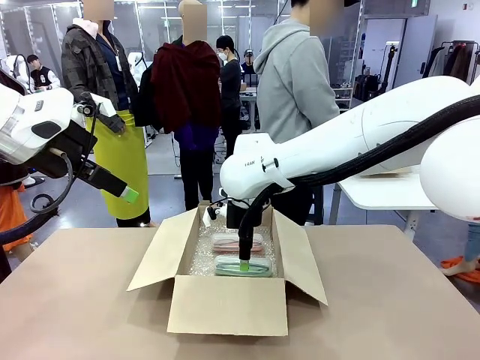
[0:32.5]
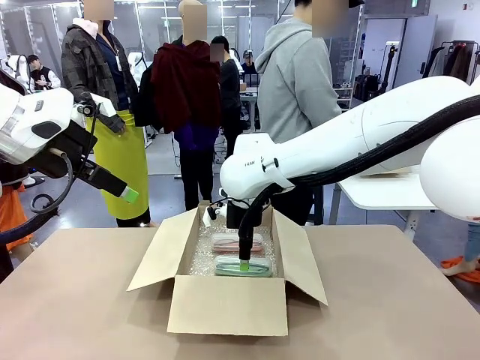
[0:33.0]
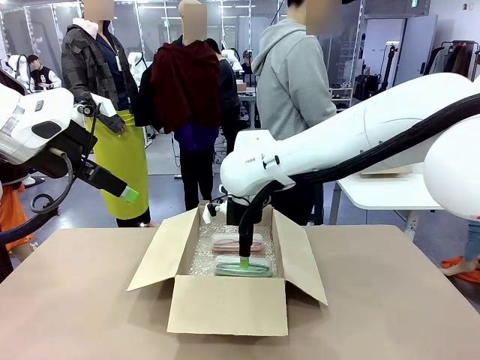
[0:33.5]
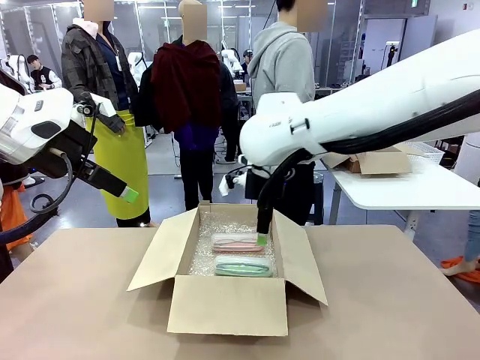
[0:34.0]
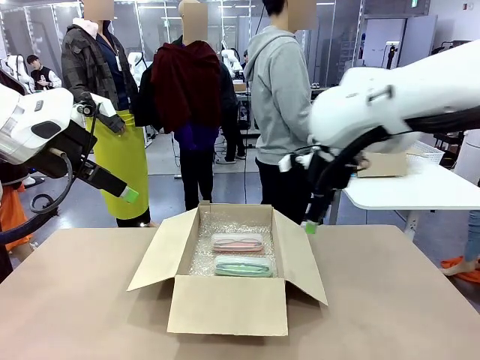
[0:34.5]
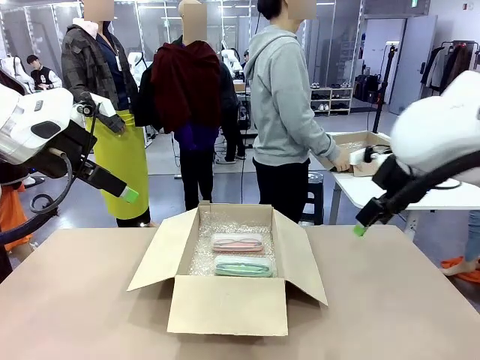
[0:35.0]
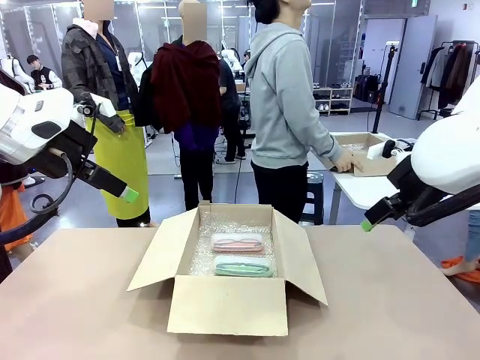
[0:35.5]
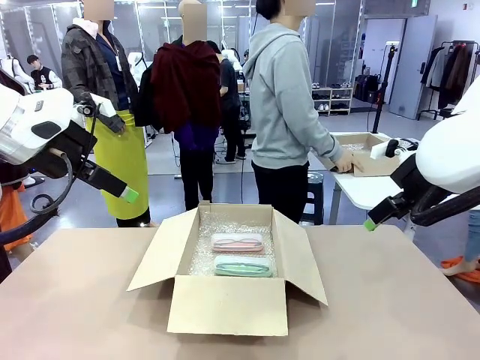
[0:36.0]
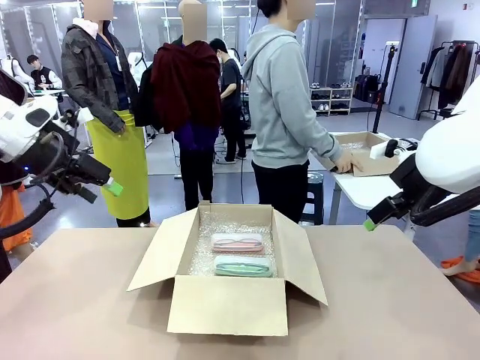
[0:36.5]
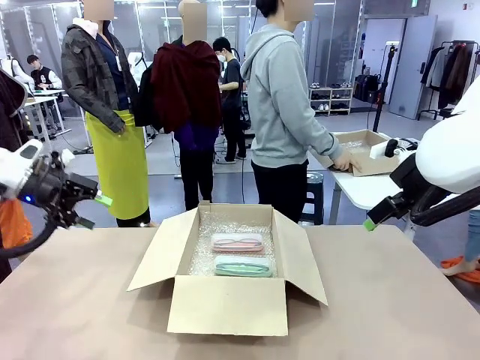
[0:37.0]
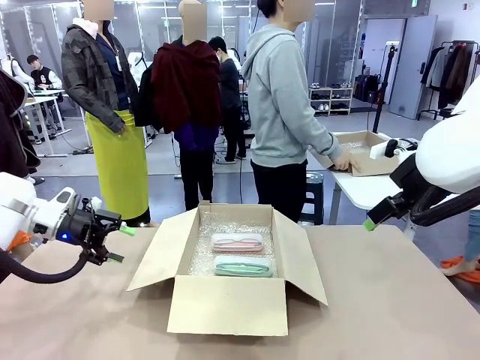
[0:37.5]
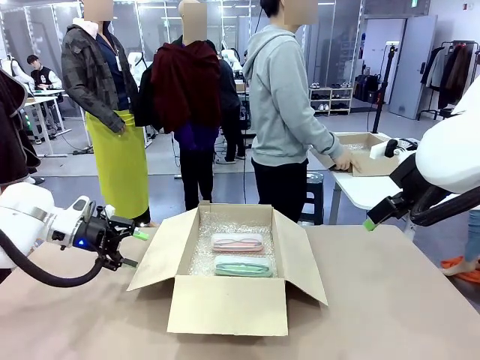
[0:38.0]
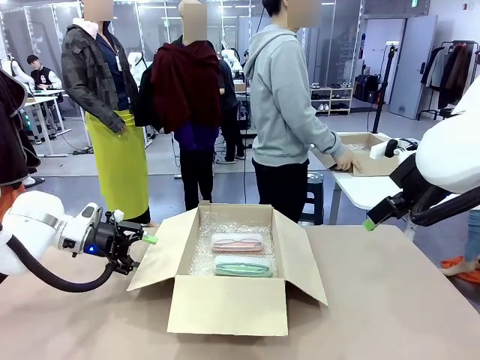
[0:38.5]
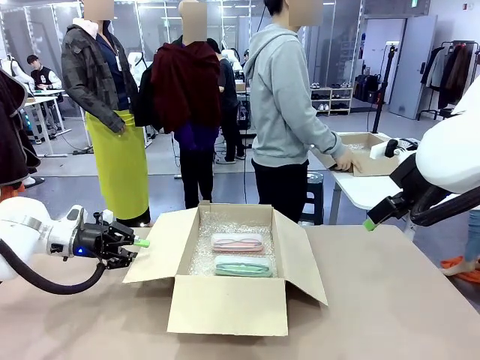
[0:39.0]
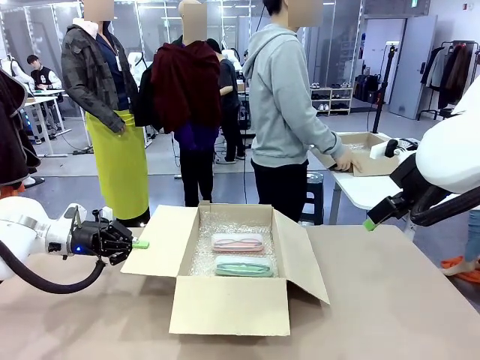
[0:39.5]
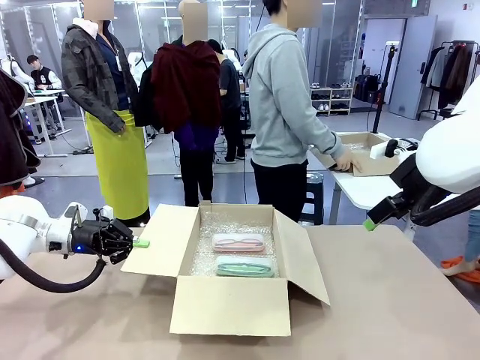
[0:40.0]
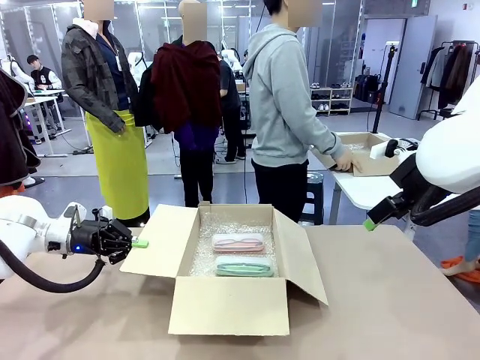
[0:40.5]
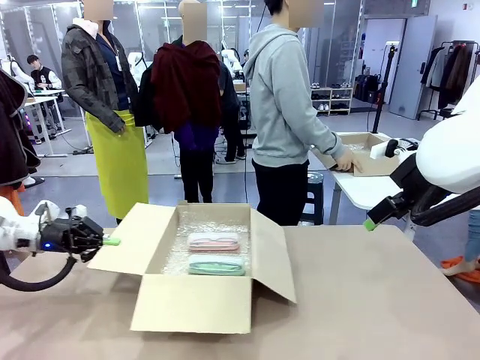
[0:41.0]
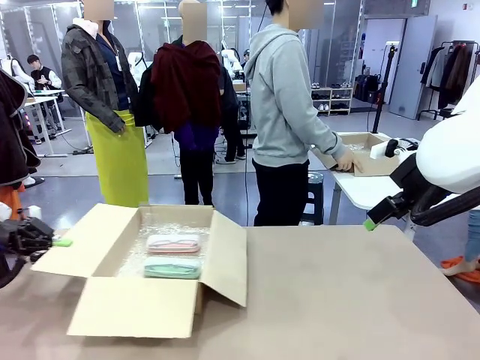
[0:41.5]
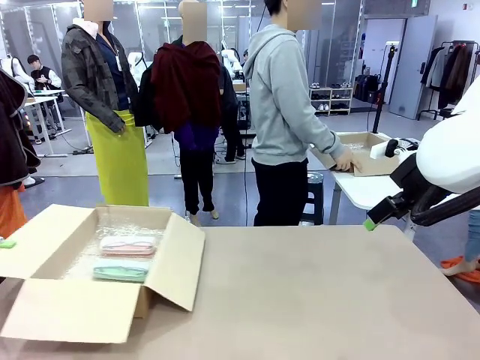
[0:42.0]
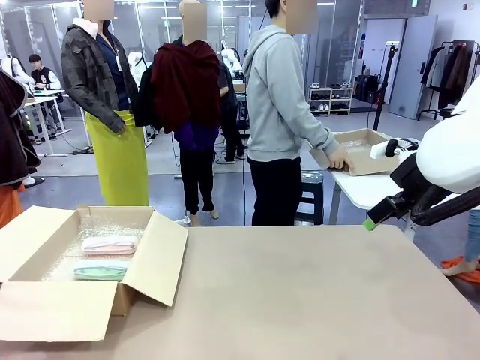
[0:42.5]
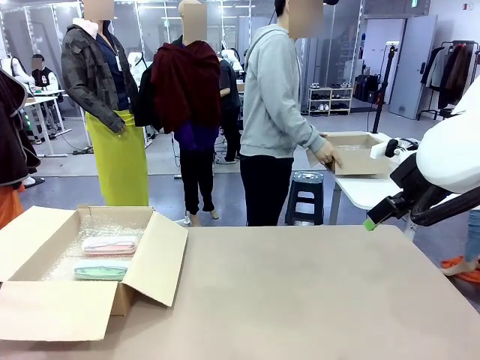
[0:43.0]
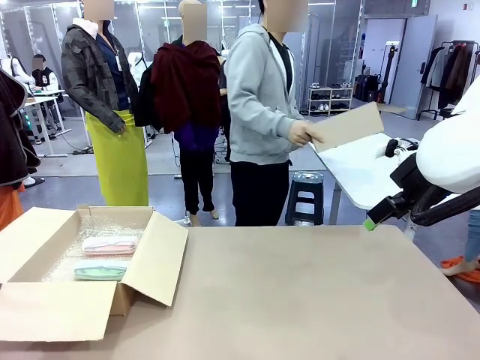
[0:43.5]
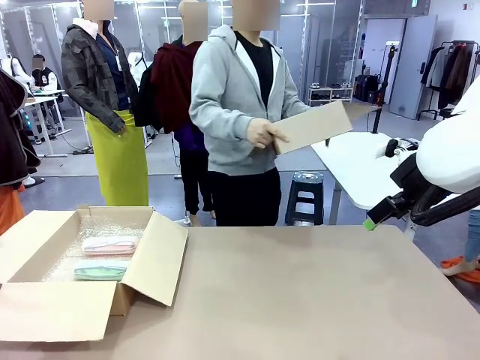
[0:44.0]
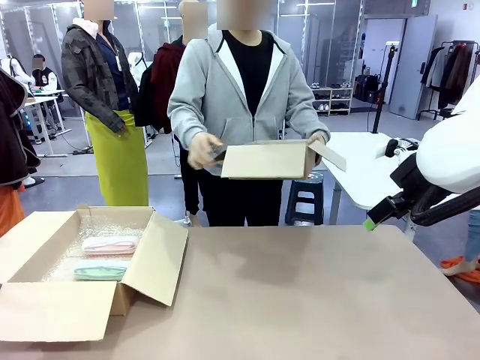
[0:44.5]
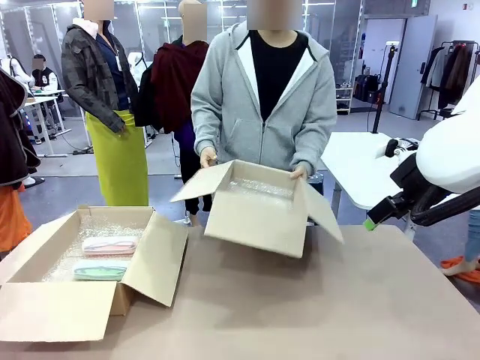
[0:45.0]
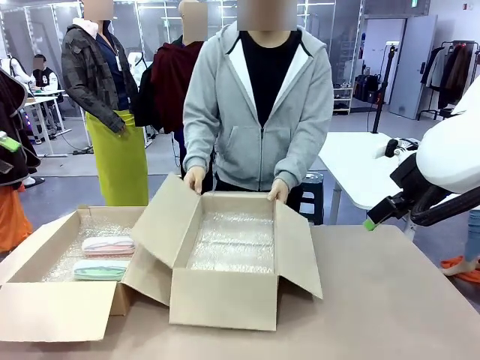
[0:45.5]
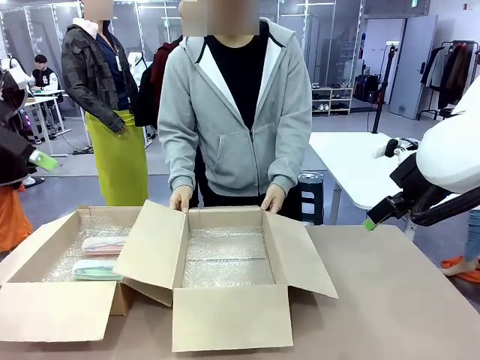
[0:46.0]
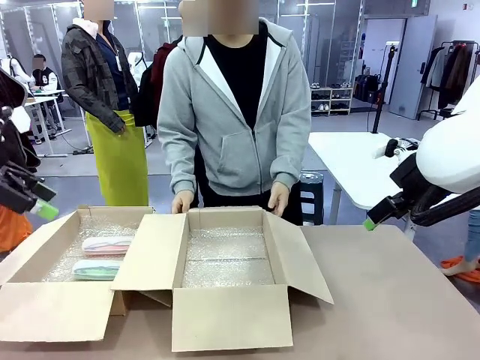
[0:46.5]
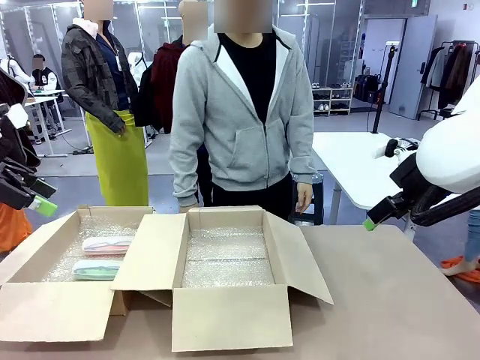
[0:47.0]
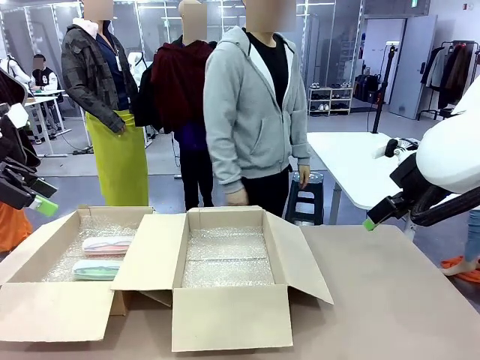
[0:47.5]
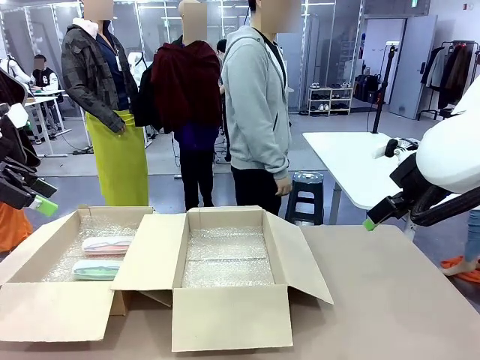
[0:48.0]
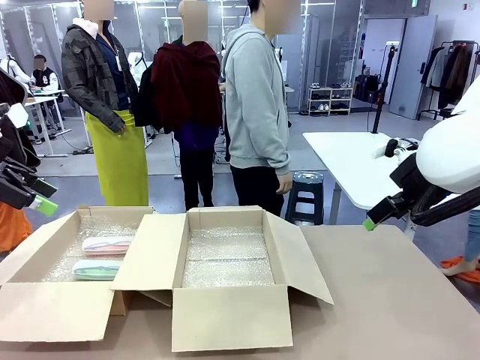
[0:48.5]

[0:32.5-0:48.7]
Task: Pack the glasses set securely to prepare it for shipping.
Robot: Position the Package Box on the left side of the table.
Person: Position the empty Package Box in the middle of the robot's table.

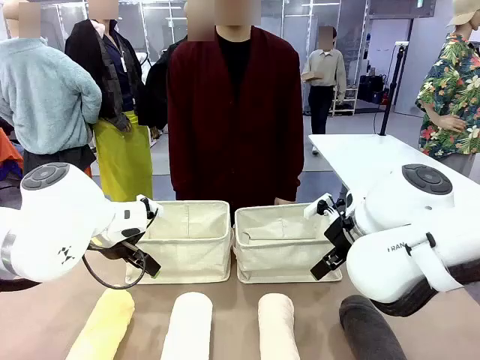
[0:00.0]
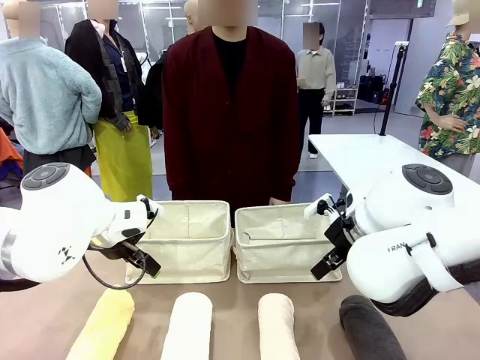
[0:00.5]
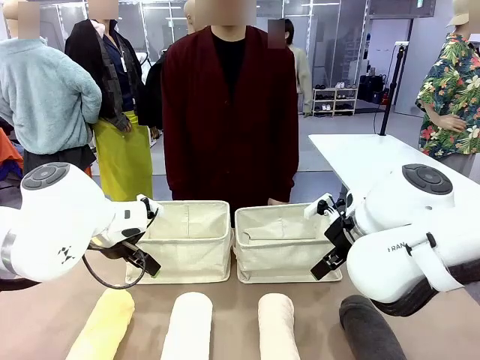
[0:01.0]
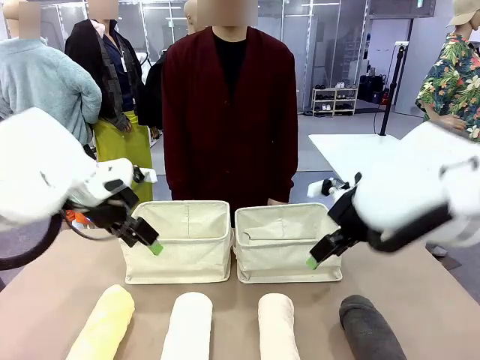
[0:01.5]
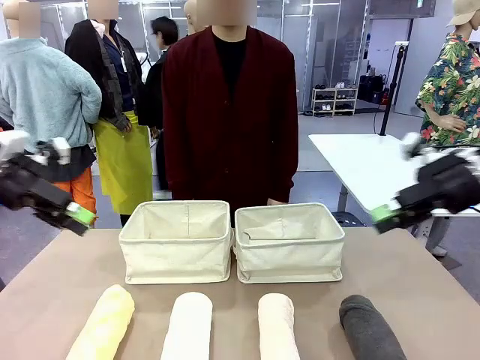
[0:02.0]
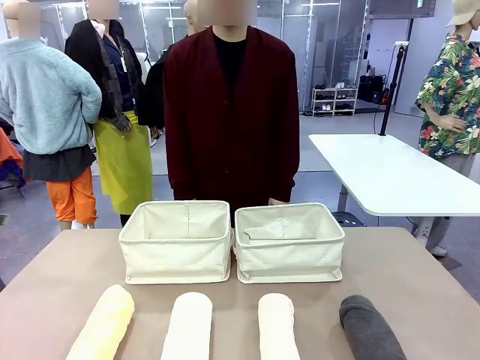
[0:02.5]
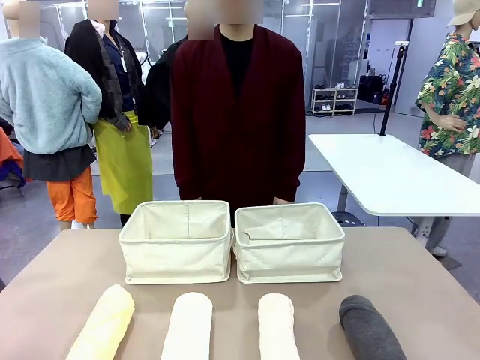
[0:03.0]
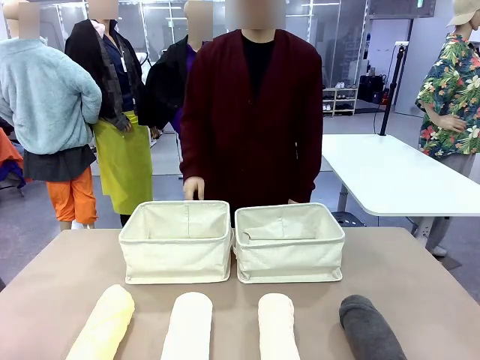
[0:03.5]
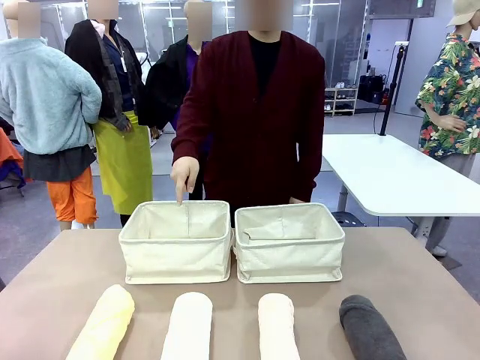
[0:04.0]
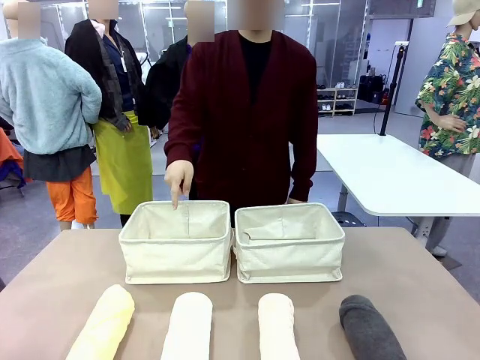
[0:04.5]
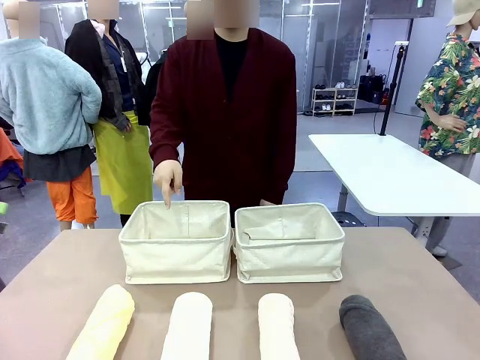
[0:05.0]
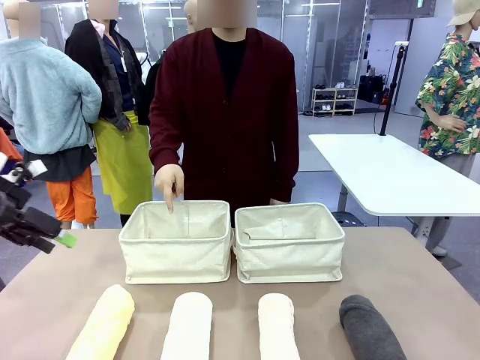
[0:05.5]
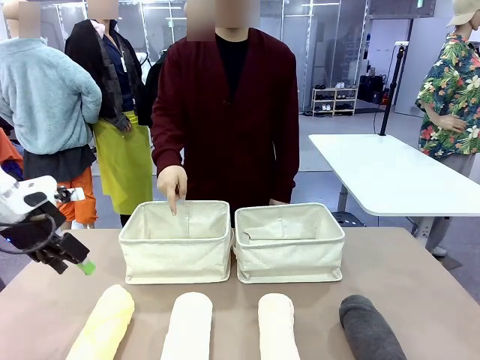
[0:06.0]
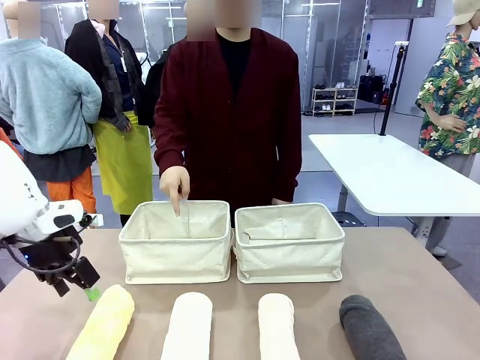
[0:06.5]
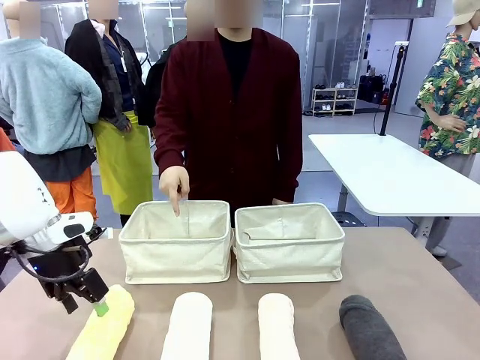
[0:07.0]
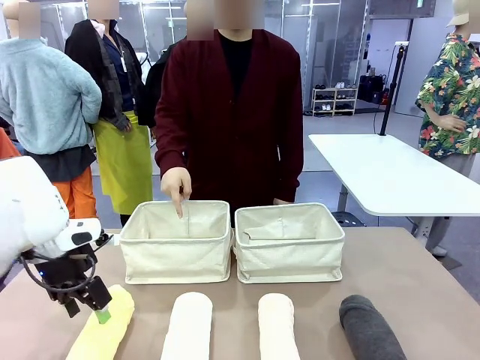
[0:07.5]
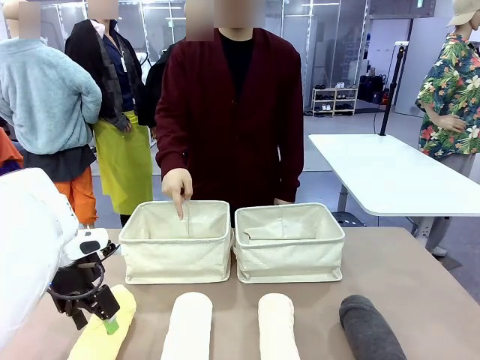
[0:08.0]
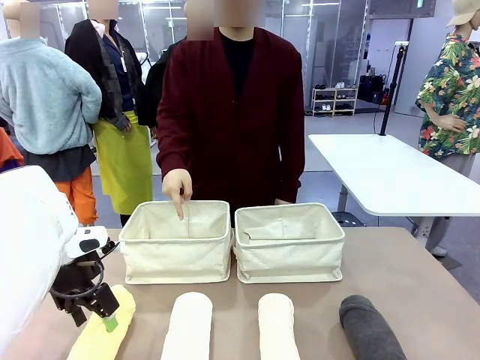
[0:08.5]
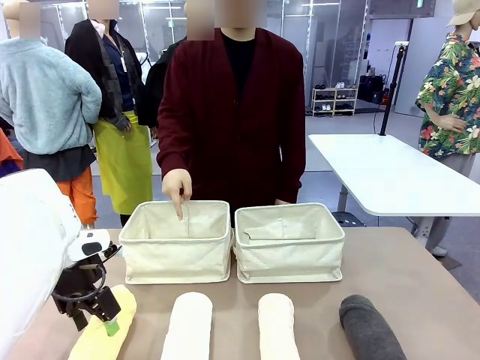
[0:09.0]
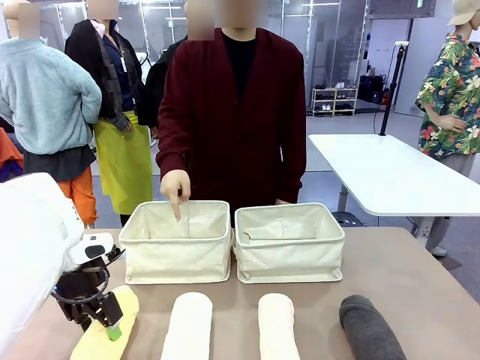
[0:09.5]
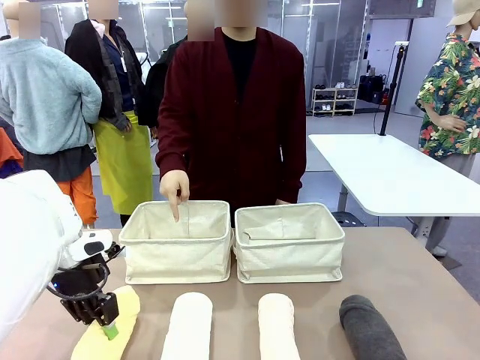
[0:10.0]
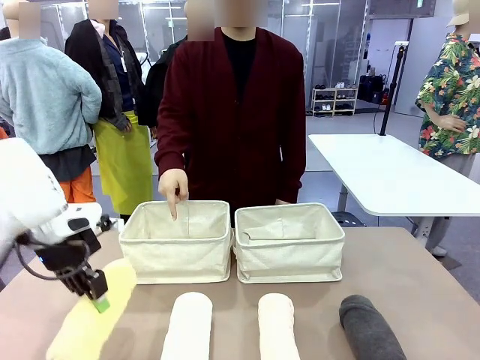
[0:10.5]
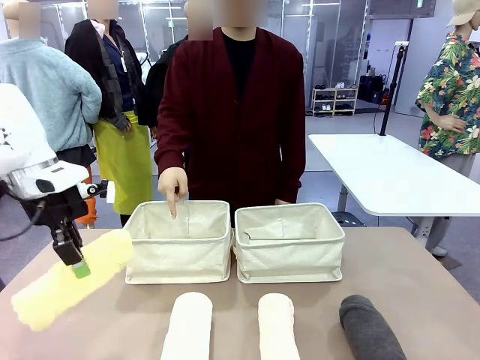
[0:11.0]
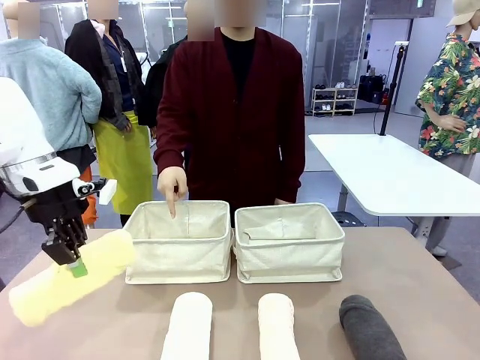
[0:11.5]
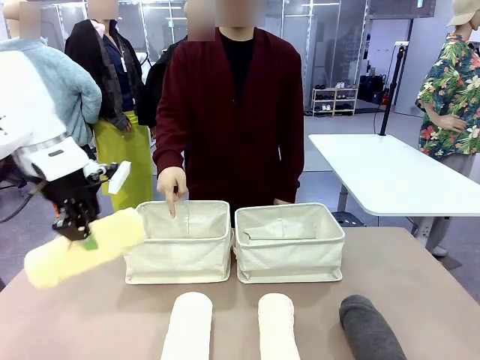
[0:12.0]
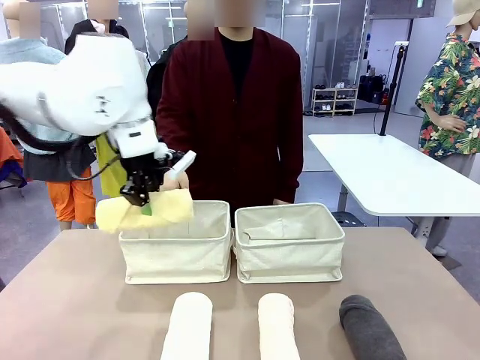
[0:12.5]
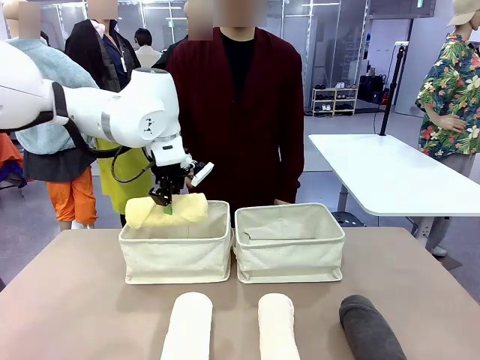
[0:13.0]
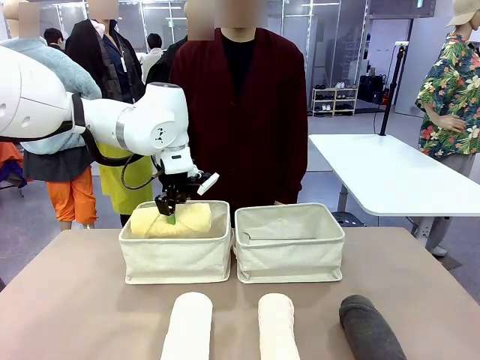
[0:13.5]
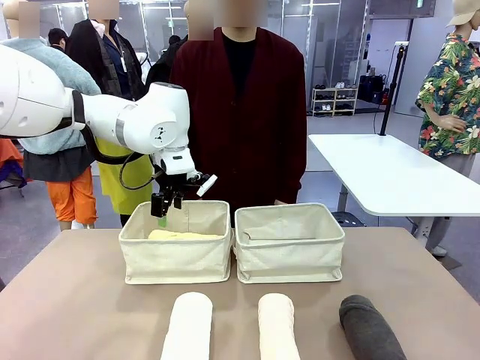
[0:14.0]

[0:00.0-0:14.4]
Task: Divide the towels into two baskets.
Robot: Pick up one hotel-folded towel and place it in the Fabric basket indicated by the person.
